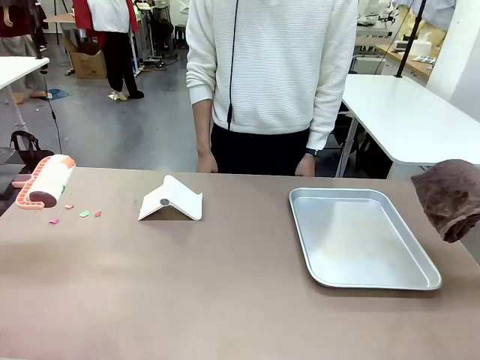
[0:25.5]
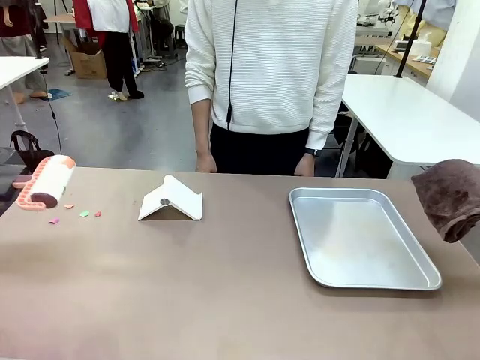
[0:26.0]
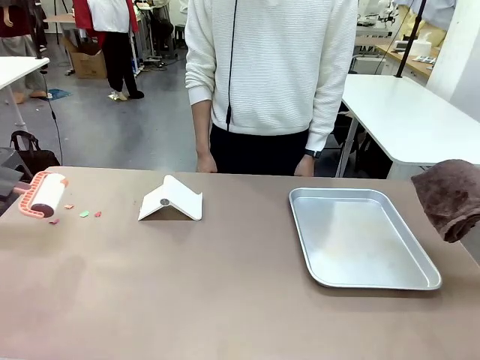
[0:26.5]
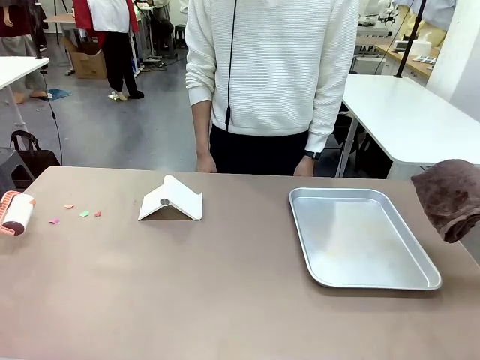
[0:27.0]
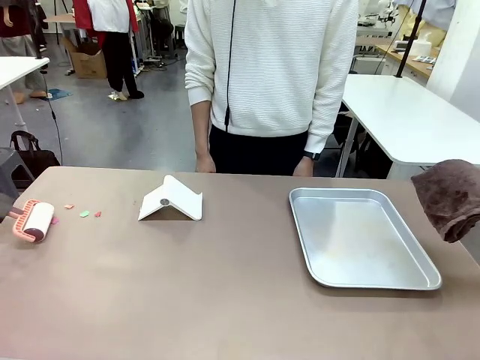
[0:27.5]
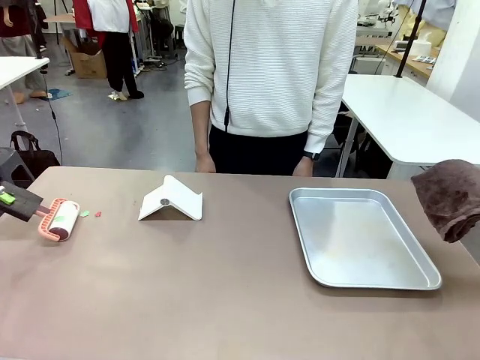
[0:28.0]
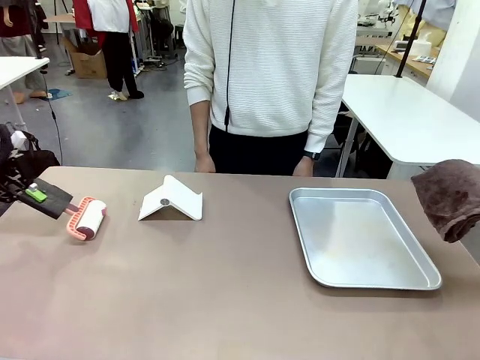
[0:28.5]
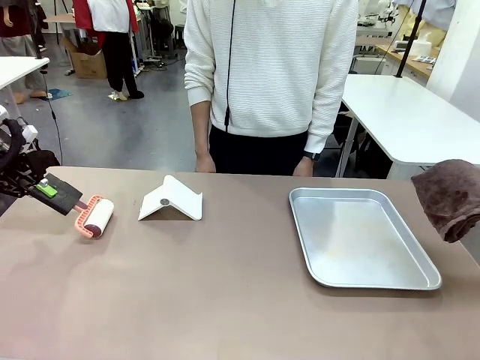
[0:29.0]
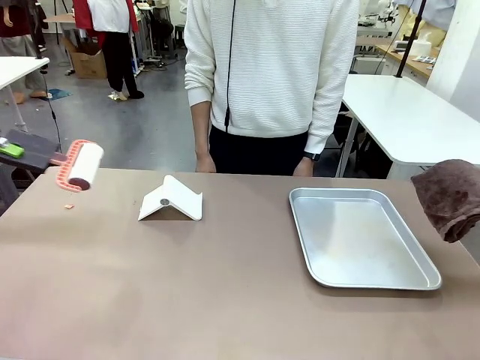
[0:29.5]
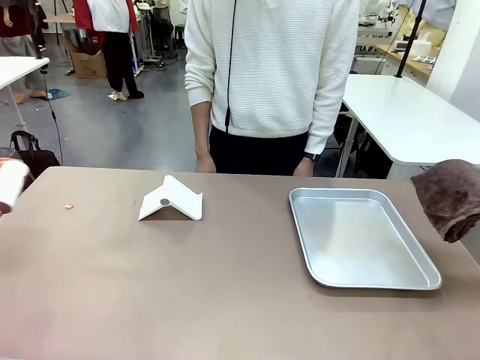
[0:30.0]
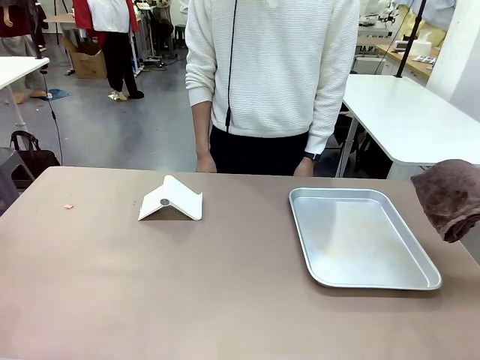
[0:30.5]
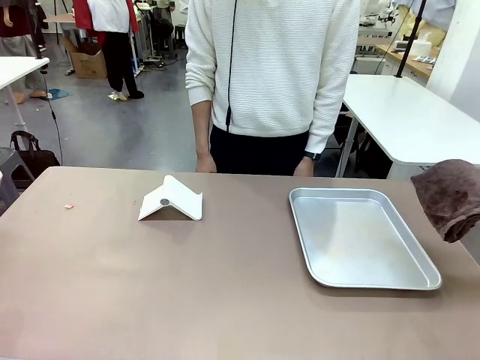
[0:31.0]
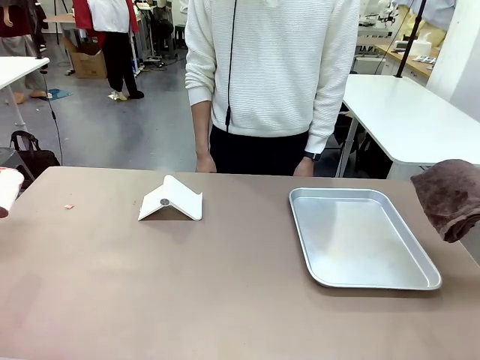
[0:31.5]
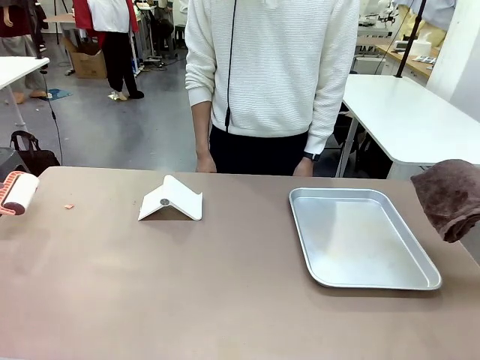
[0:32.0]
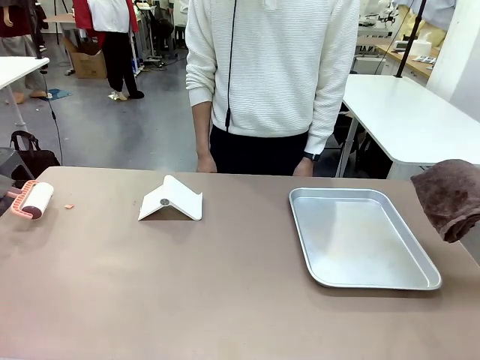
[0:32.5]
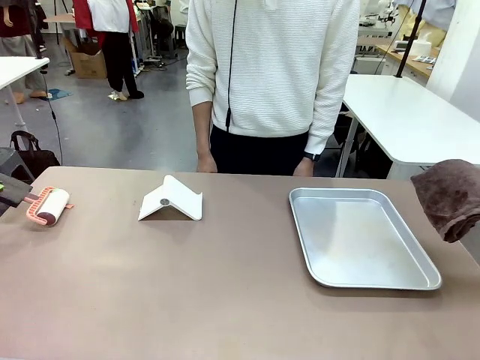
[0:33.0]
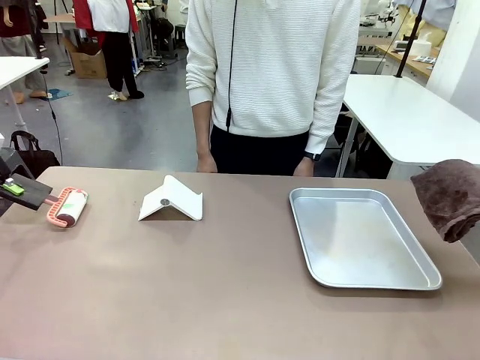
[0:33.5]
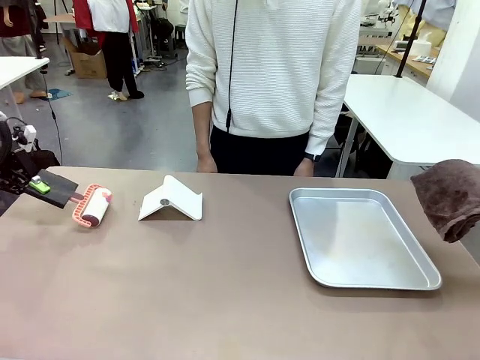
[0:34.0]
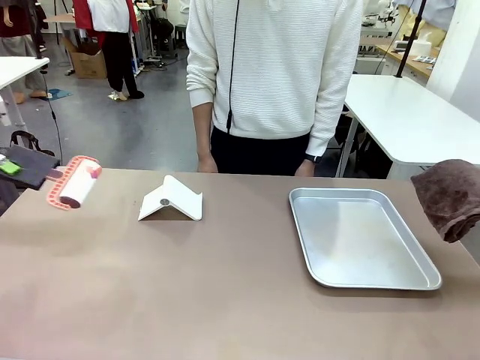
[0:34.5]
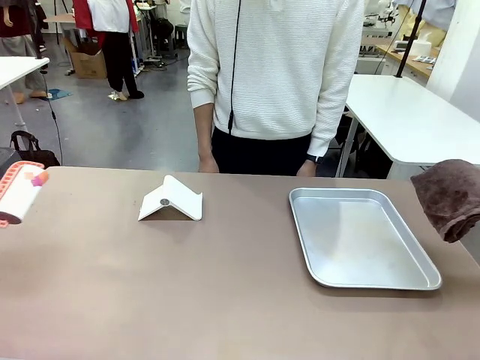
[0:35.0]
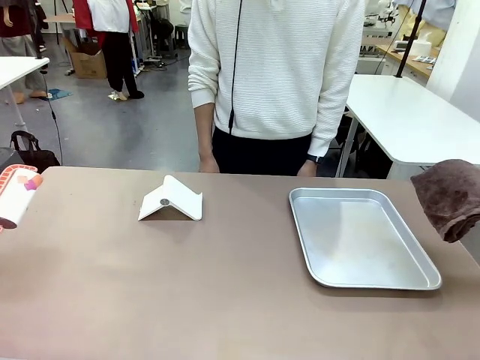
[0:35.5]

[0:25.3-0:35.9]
Task: Clean the surface of the table.
Robot: Clean the area not pointed to by the person.

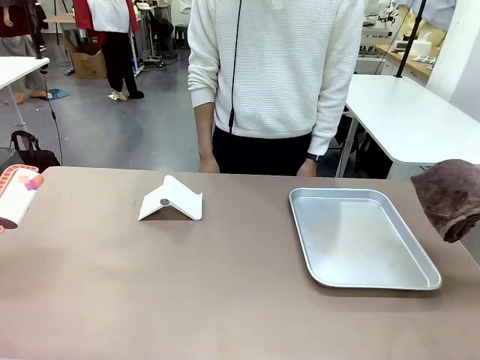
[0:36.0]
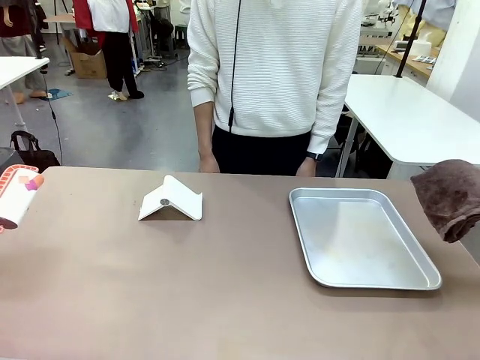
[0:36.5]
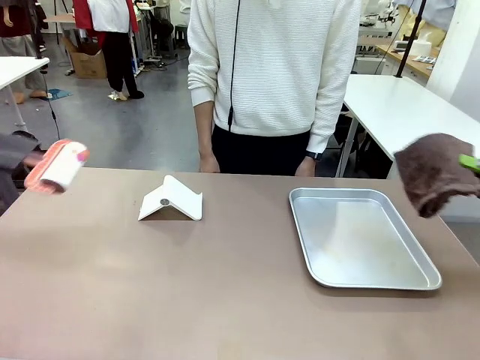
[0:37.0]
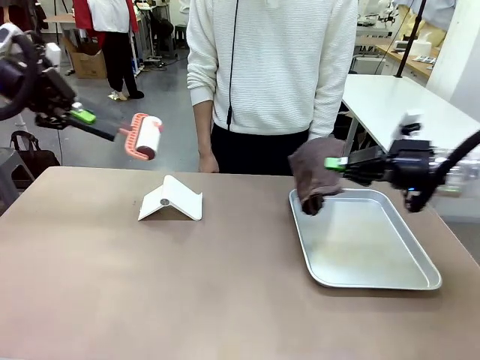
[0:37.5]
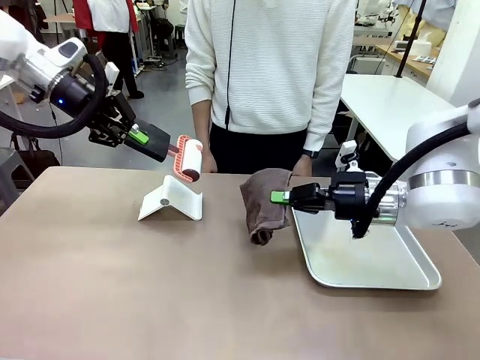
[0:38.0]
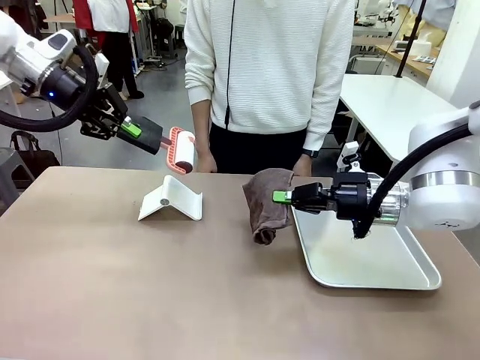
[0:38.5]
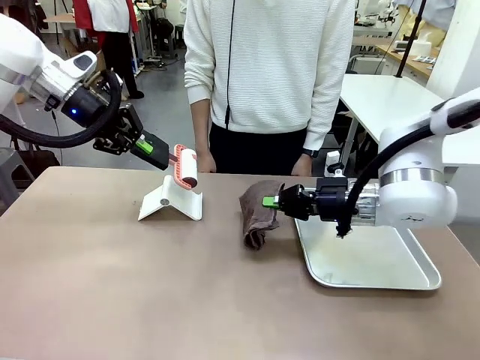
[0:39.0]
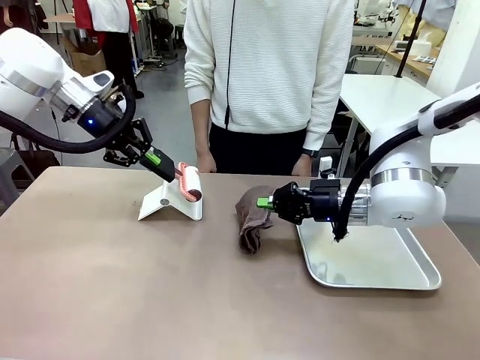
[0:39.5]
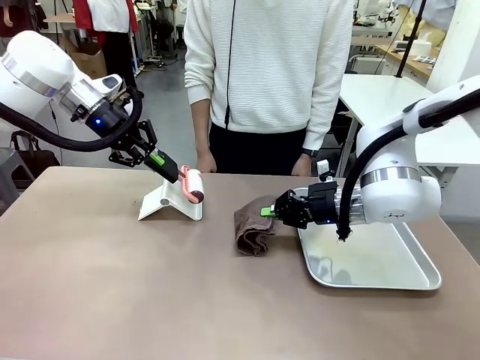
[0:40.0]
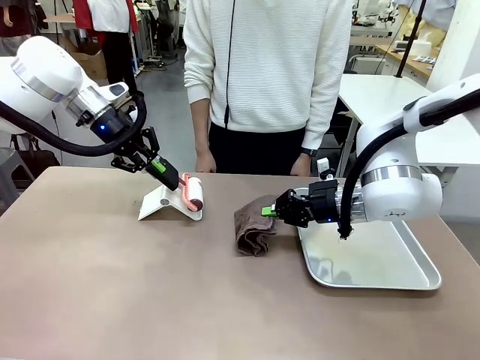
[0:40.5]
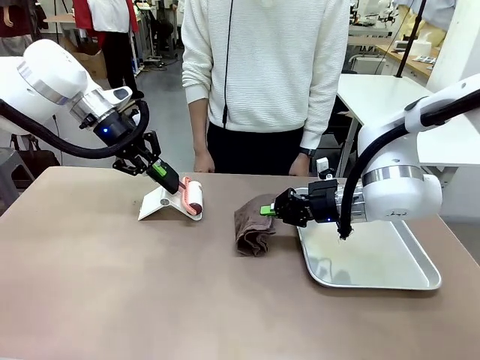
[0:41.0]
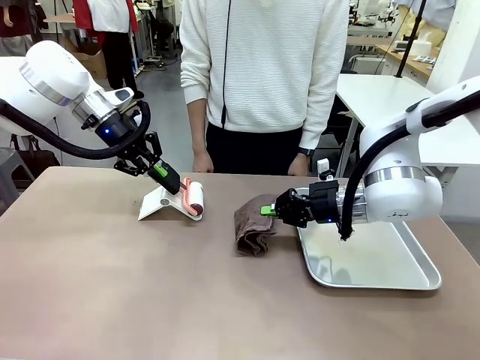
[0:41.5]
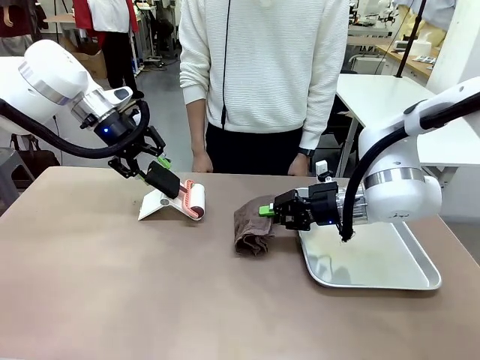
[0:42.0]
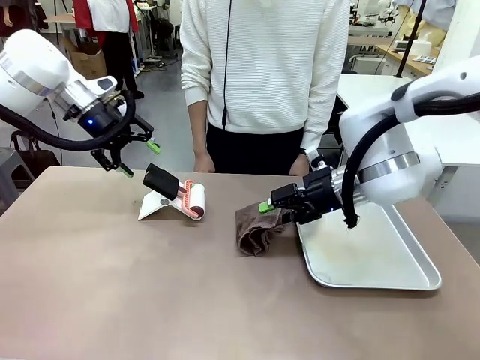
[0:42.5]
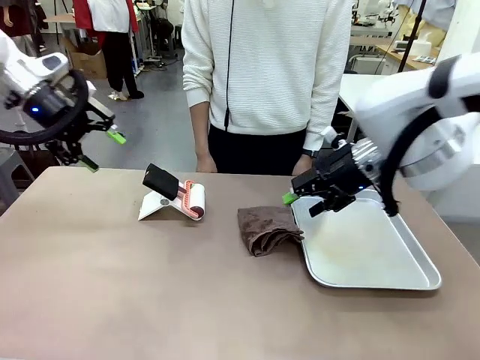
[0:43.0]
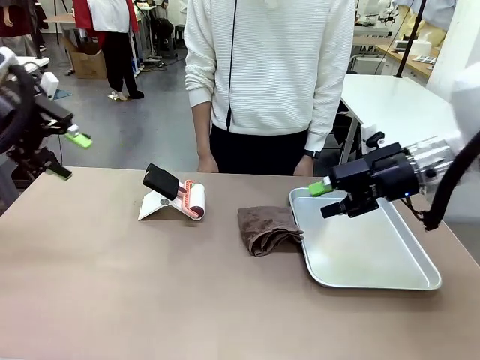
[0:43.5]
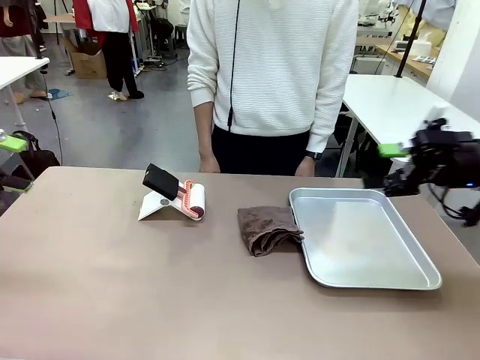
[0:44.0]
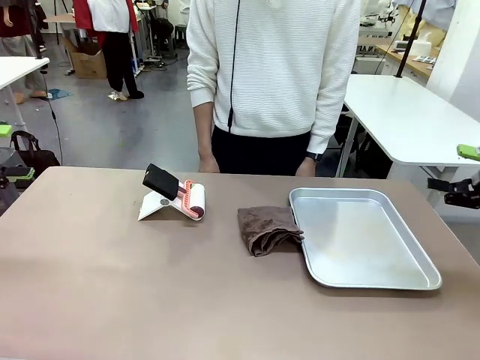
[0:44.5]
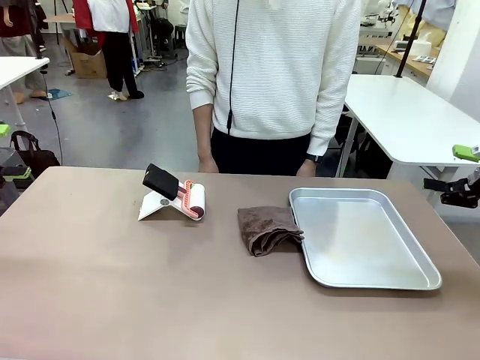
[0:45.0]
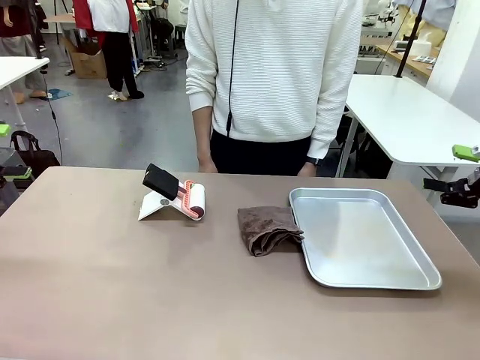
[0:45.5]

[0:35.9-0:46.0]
Robot: Return the Lint Roller and towel to their original positions.

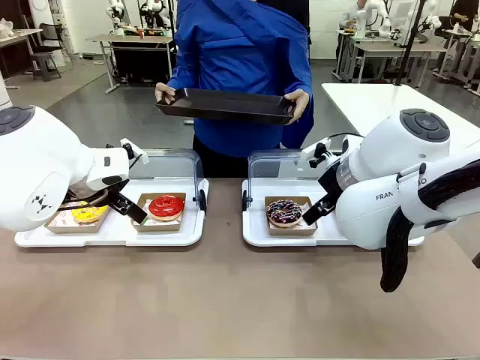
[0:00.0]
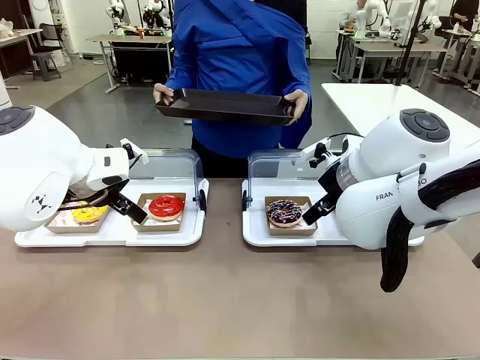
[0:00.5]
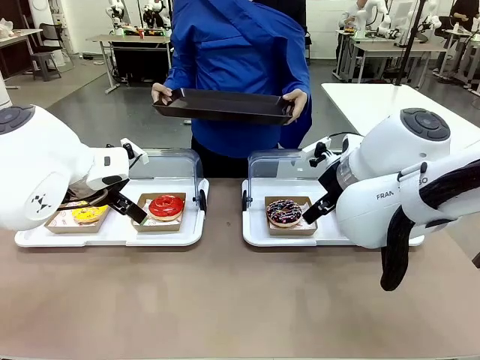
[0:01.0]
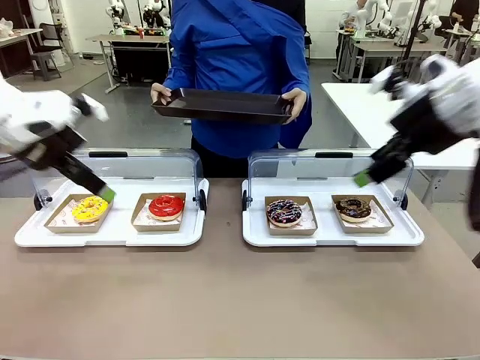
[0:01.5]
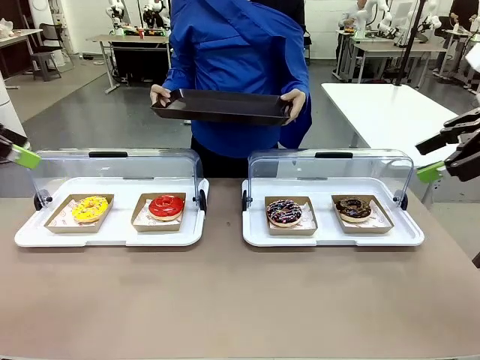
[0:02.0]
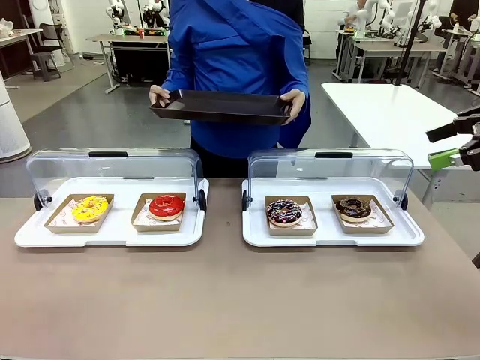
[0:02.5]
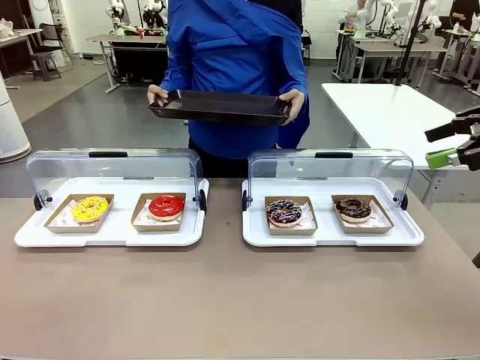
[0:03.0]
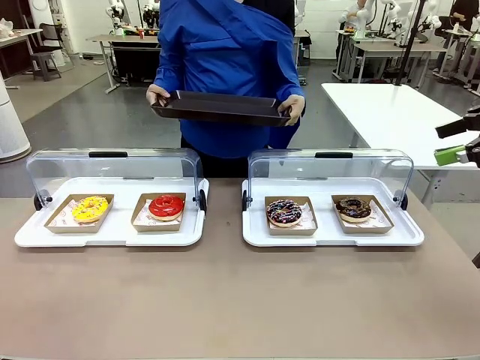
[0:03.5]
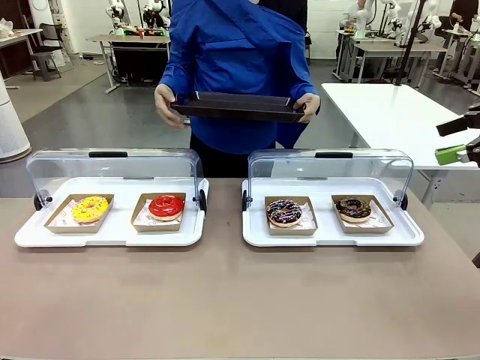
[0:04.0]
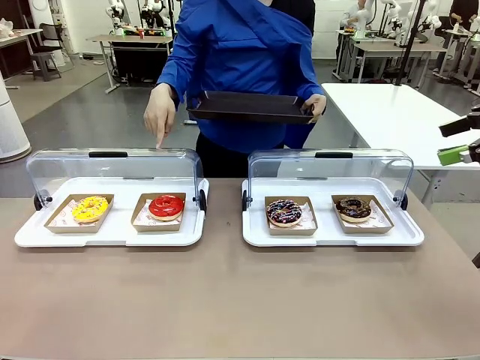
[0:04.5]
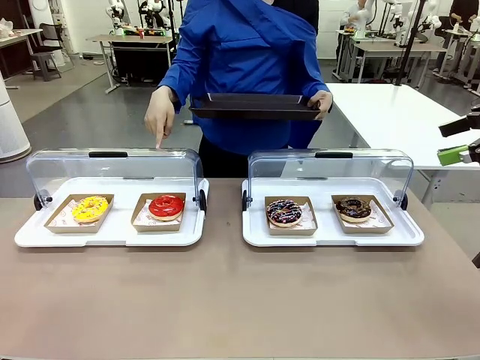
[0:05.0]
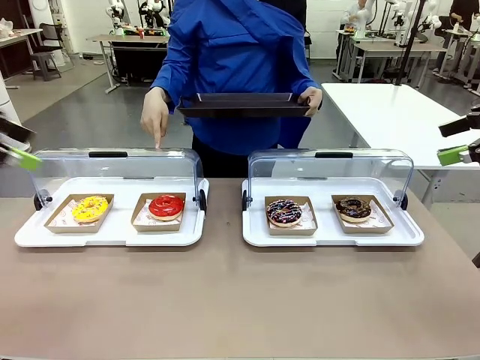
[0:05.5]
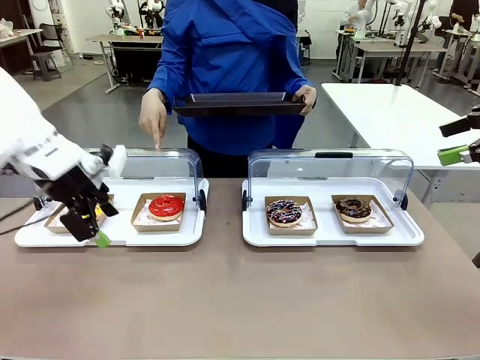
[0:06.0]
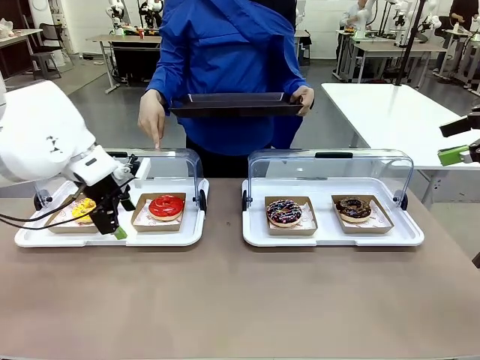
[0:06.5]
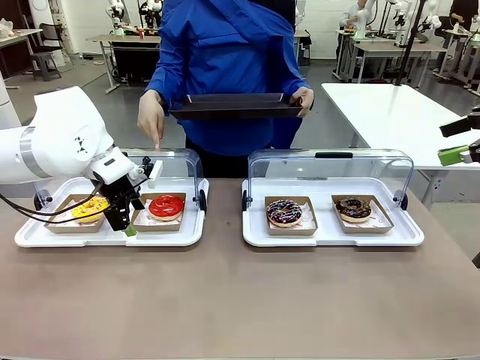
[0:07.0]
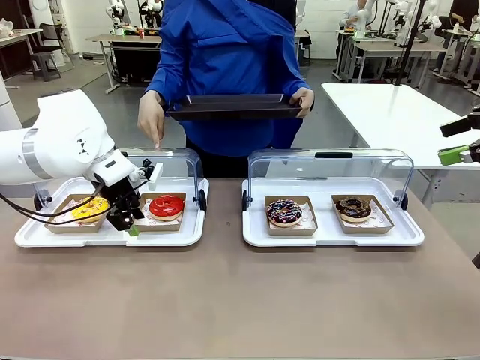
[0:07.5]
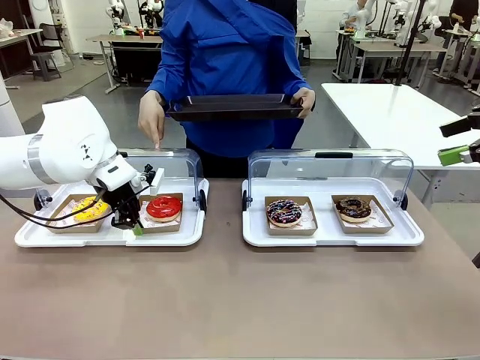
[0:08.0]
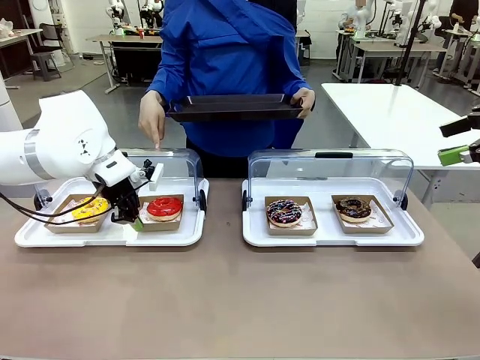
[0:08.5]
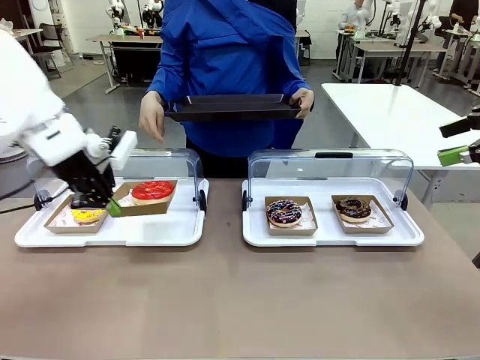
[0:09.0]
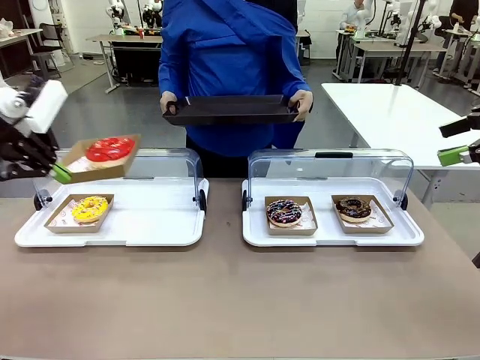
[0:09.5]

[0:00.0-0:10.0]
Task: Provide the desired donut to the person.
Robot: Pick up and lift the Paper togo box containing the Donut pointed at by the person.
Person: Point to one donut. Lift the tray onto the Roll-Top Bakery Case.
